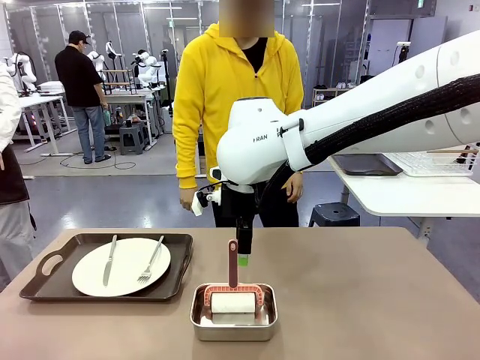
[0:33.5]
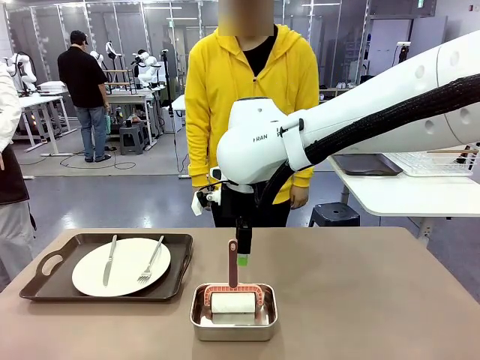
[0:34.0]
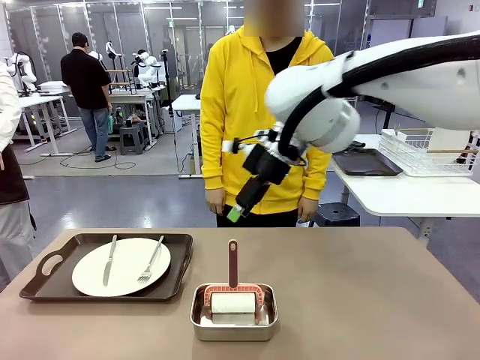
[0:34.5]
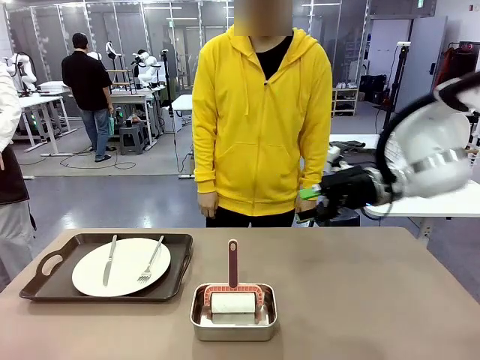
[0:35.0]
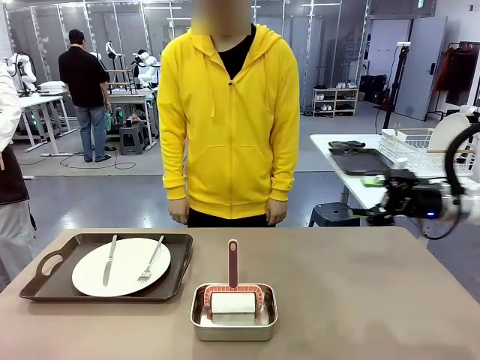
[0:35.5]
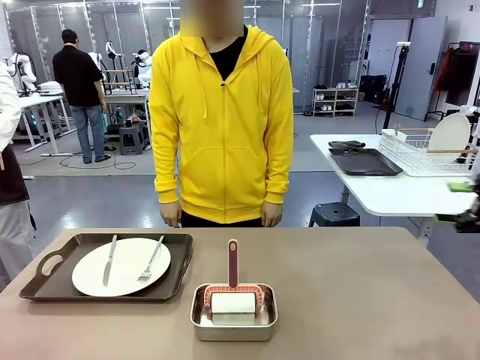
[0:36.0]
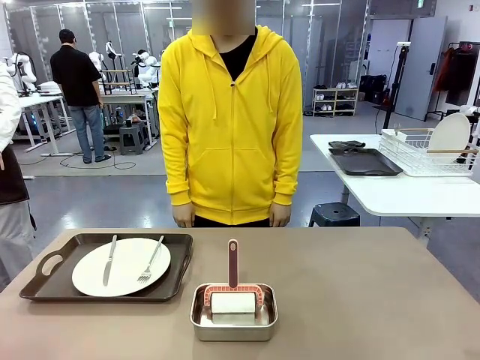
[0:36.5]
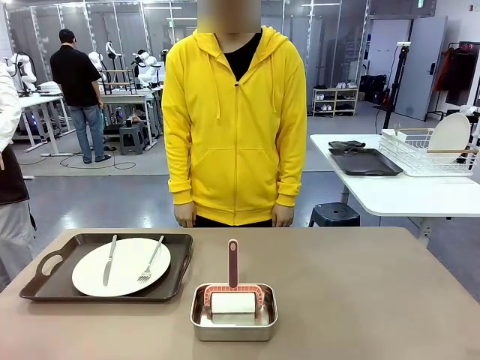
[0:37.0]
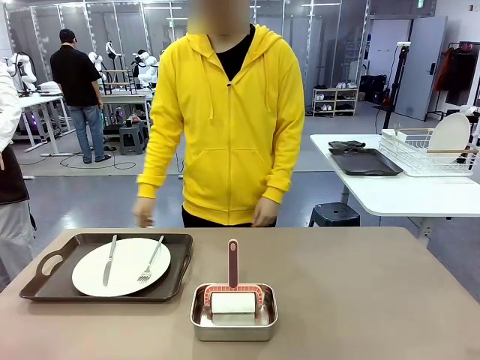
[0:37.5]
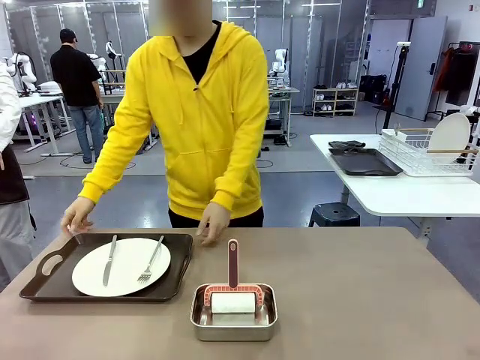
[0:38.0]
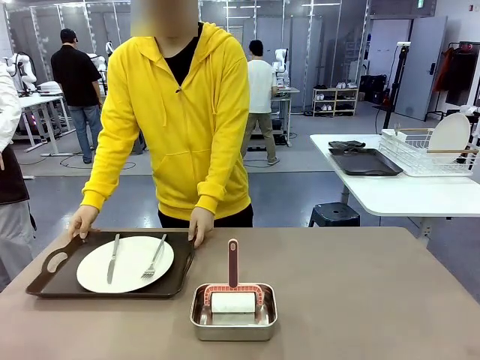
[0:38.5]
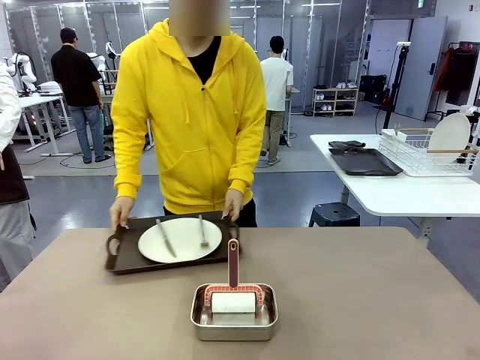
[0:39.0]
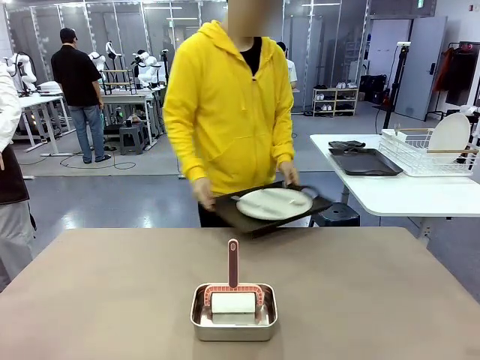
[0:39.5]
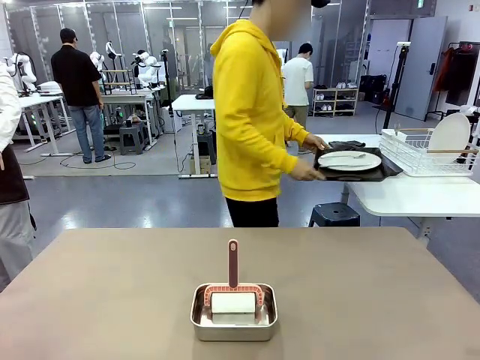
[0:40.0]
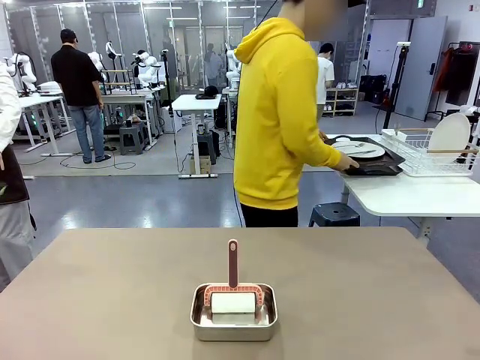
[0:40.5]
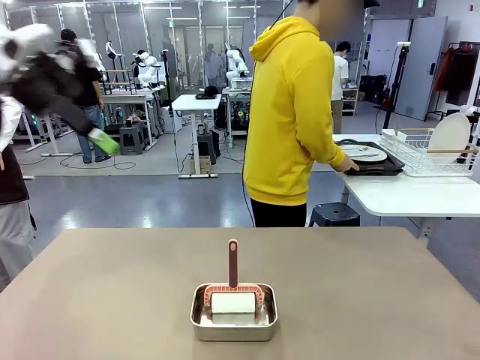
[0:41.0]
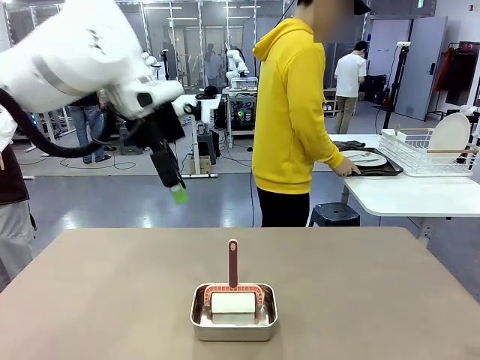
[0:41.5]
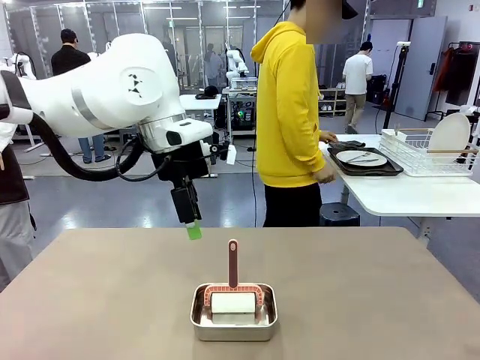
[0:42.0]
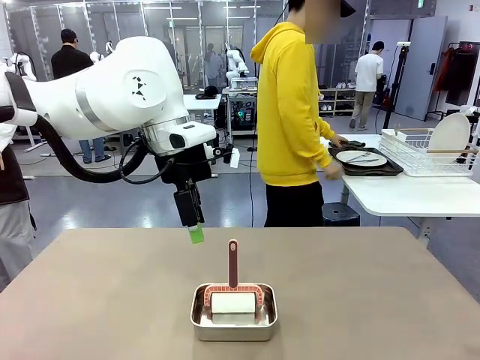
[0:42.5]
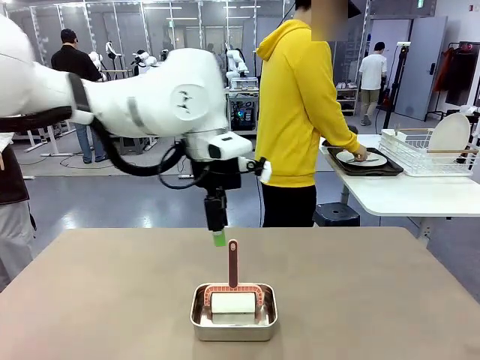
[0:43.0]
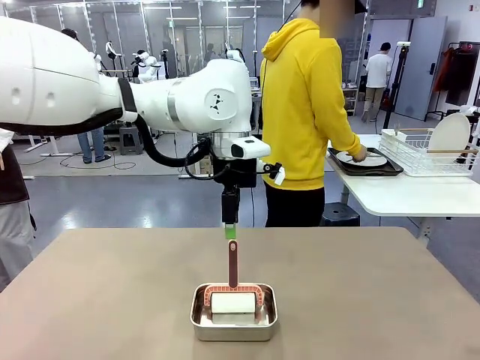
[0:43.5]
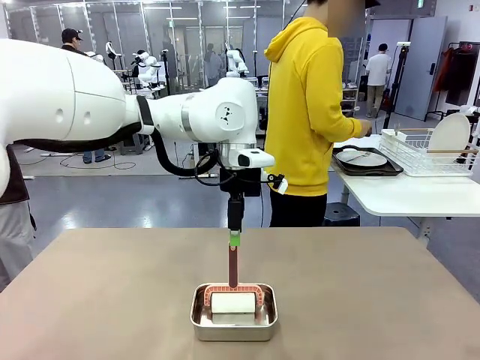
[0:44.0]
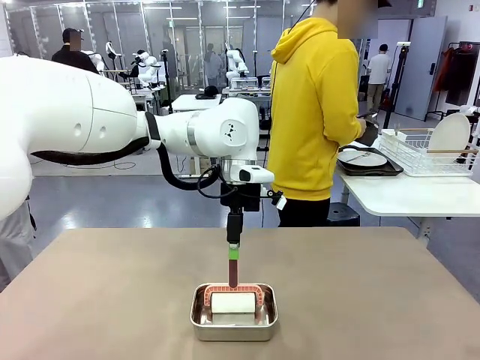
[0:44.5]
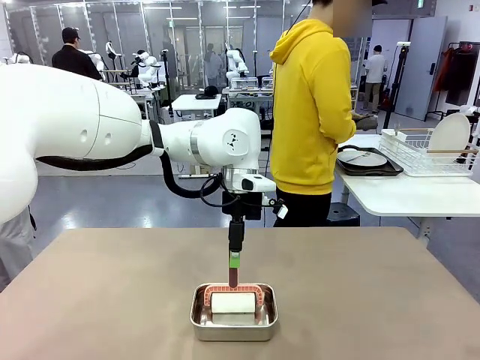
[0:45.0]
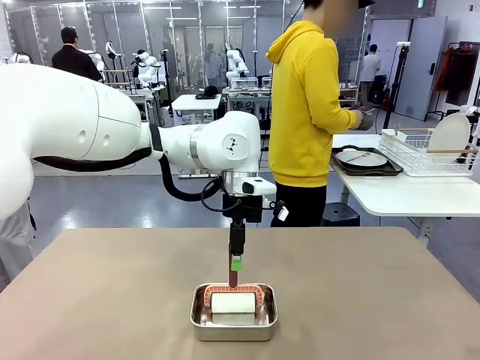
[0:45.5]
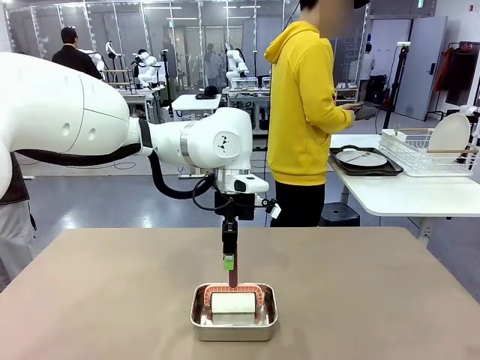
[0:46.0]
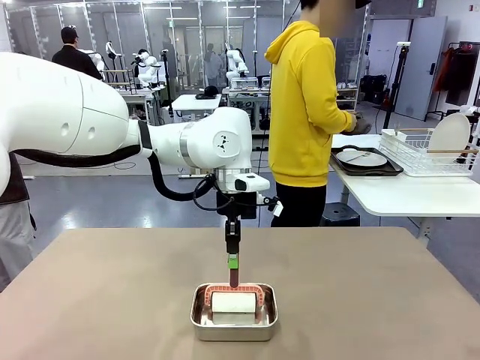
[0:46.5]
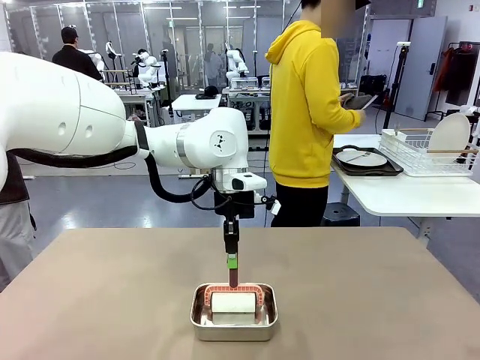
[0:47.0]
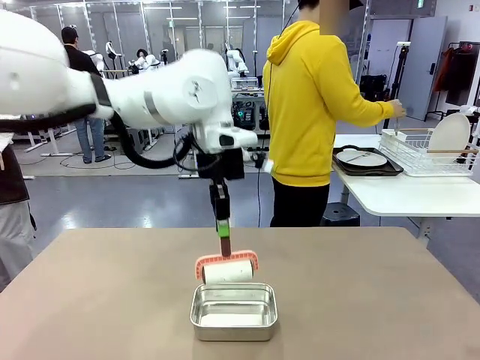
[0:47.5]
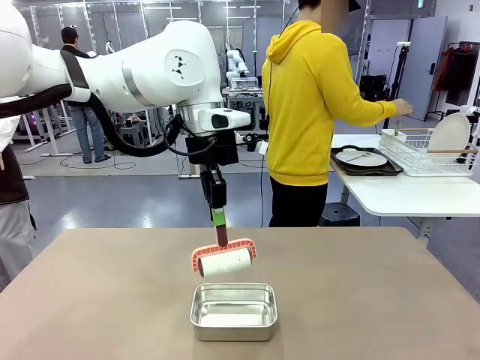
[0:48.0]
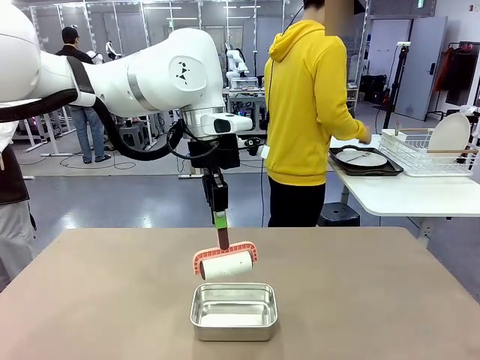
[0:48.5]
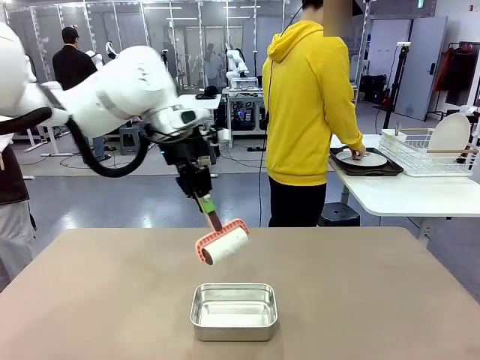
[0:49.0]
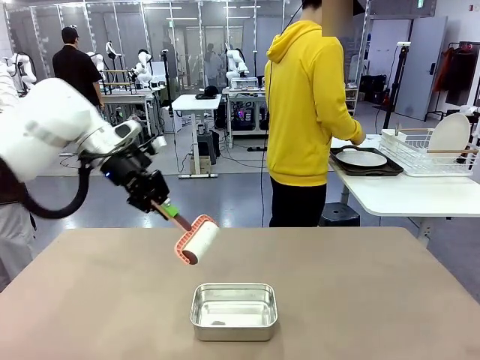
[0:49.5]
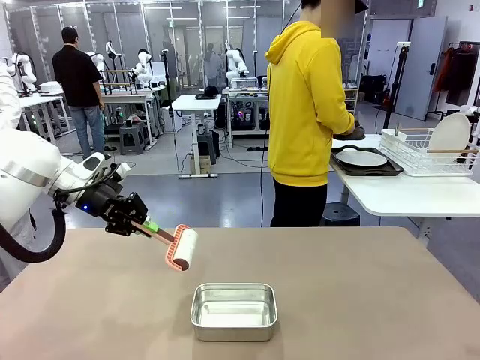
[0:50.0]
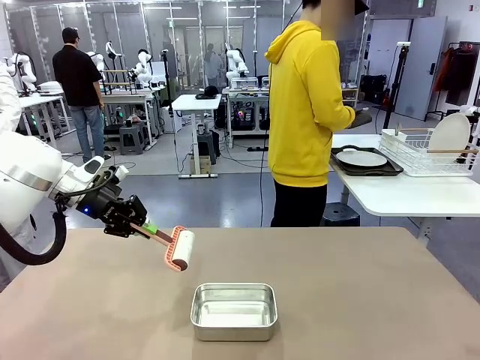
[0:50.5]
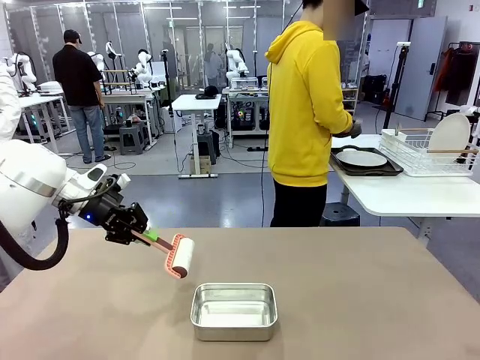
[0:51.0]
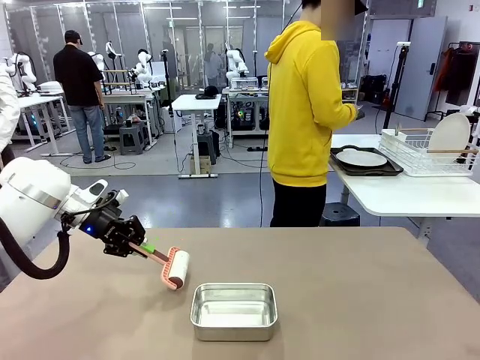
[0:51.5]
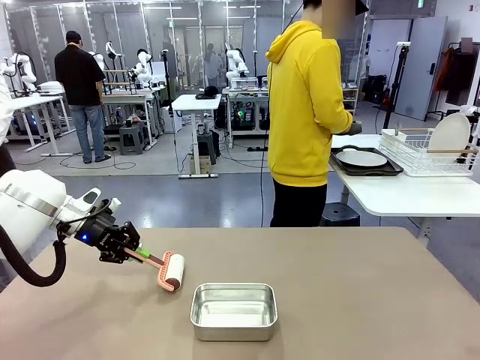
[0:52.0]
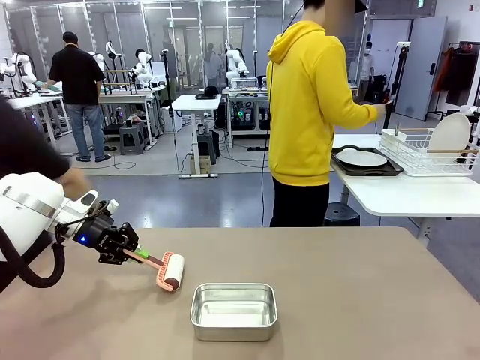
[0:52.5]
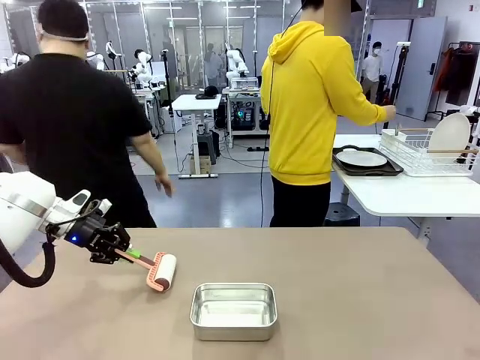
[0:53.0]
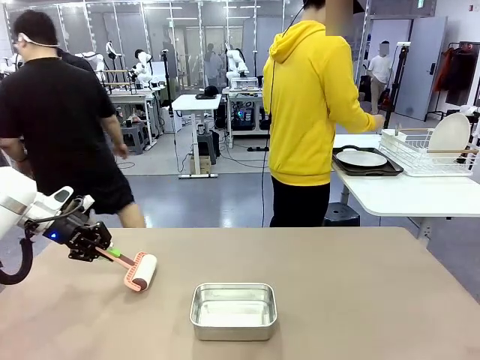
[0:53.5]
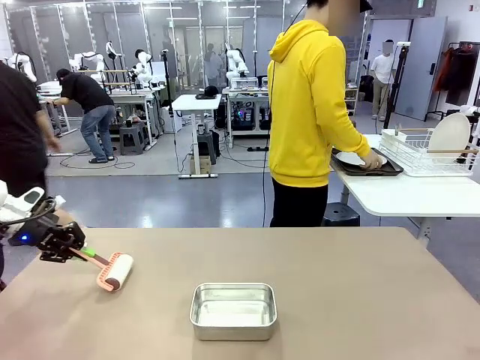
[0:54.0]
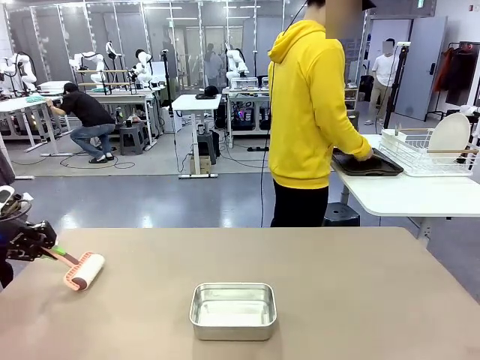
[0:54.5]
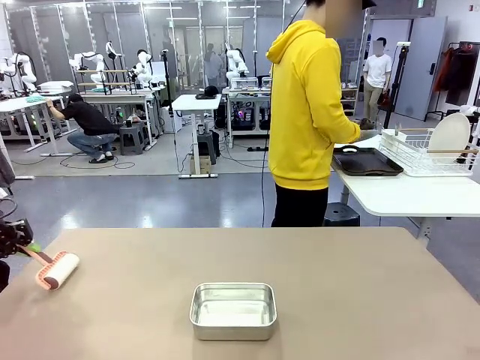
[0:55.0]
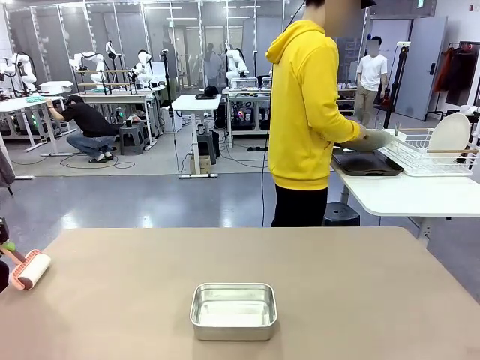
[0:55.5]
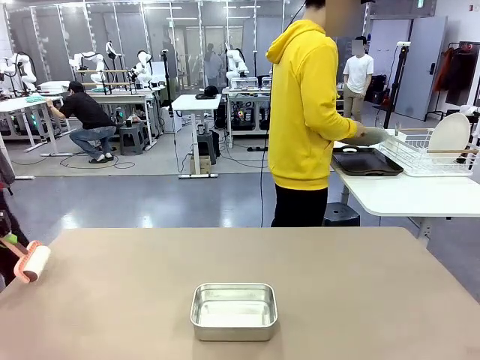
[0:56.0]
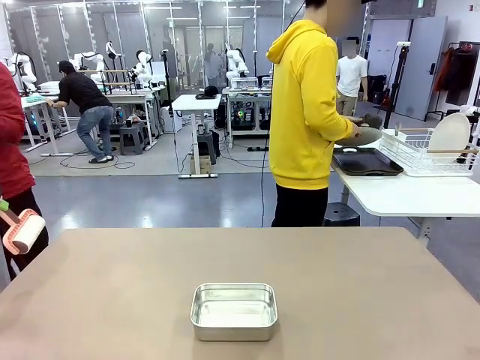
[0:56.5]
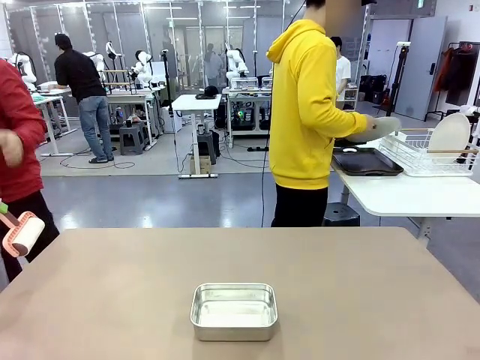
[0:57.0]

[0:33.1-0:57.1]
Robot: When the right (or left) Handle tray is removed, use the right hand (or left hand) to clean the right (or left) side of the table with the Lint Roller.
Person: Pick up the left (or right) Handle tray and place it on the Handle tray. Use the Towel with hook to wipe the Plastic Matte Plate , Fork , and Knife and place into the Dish drying rack.
